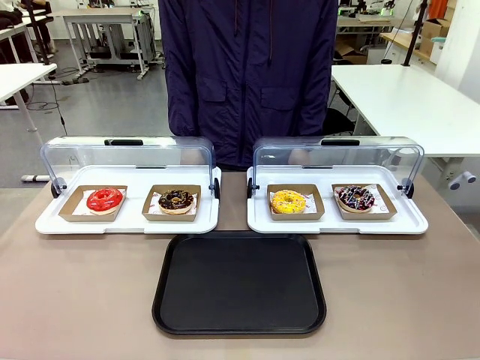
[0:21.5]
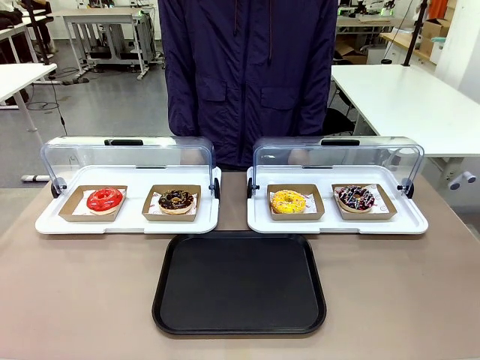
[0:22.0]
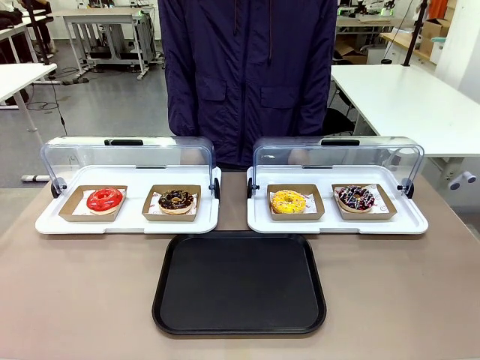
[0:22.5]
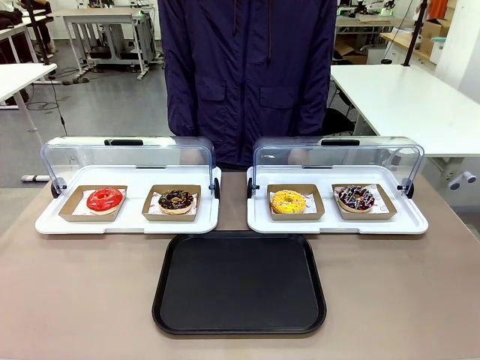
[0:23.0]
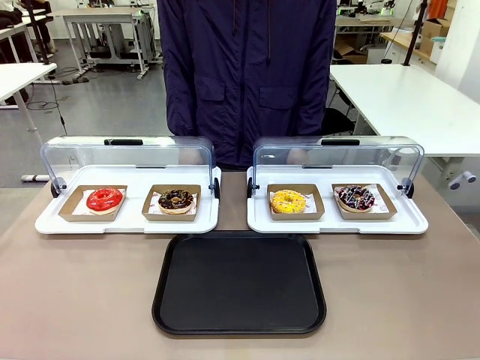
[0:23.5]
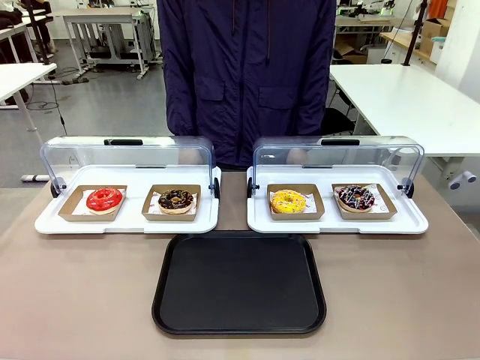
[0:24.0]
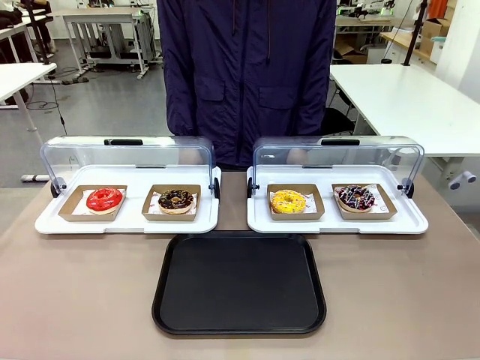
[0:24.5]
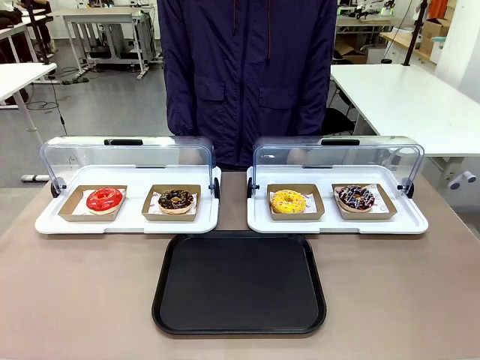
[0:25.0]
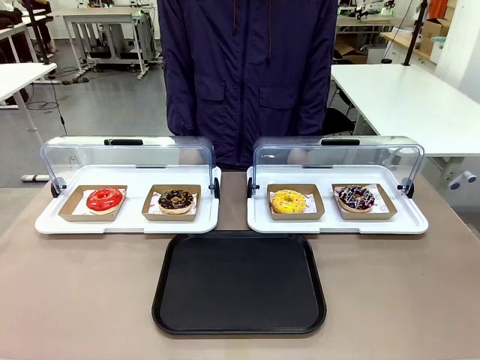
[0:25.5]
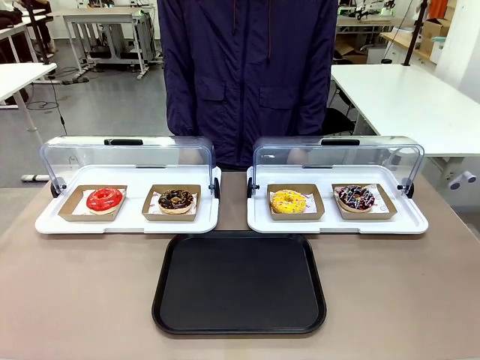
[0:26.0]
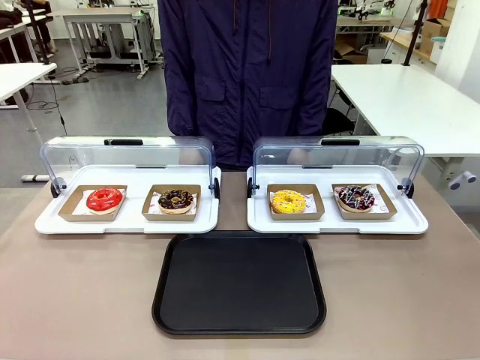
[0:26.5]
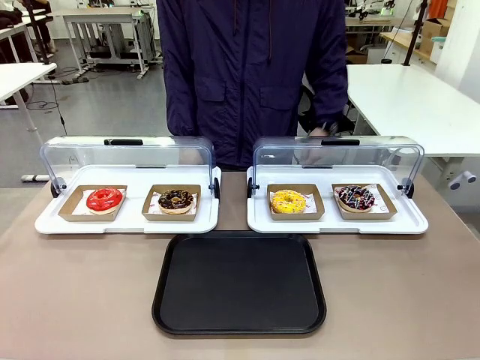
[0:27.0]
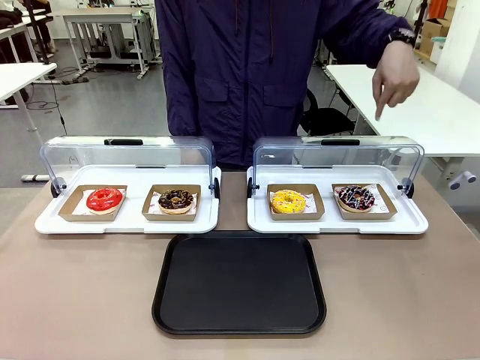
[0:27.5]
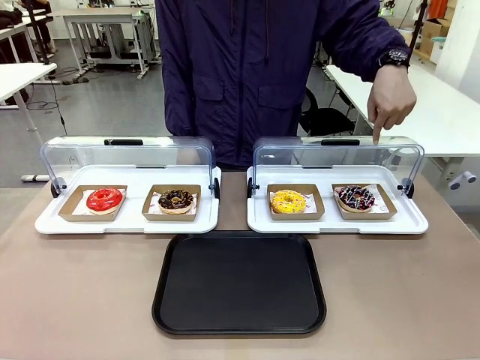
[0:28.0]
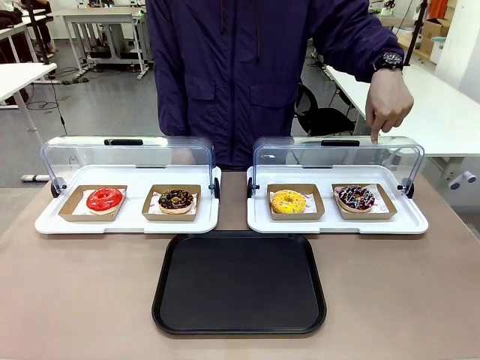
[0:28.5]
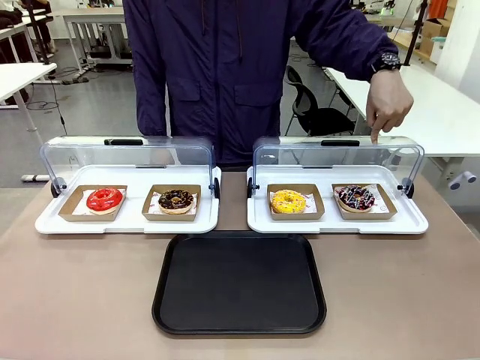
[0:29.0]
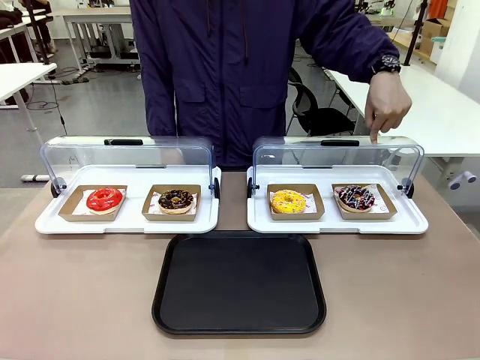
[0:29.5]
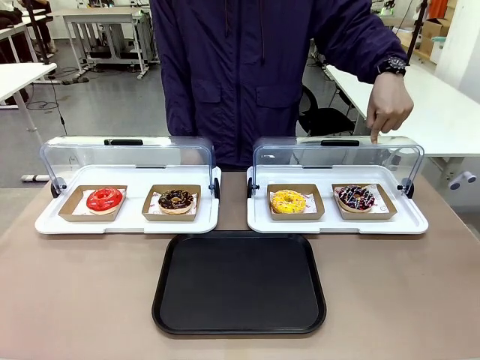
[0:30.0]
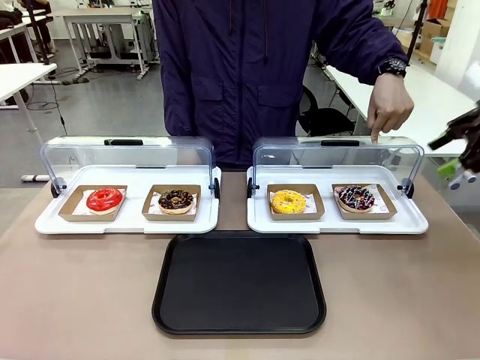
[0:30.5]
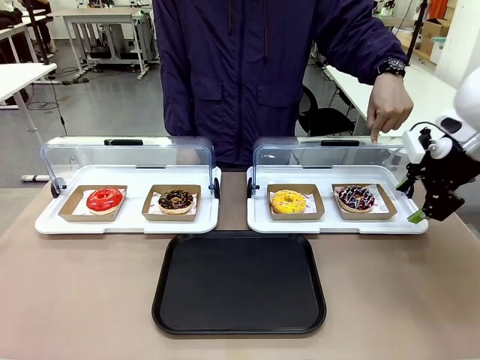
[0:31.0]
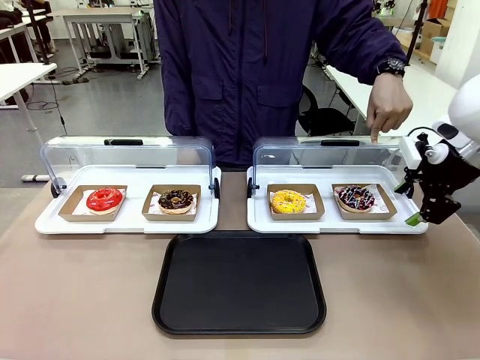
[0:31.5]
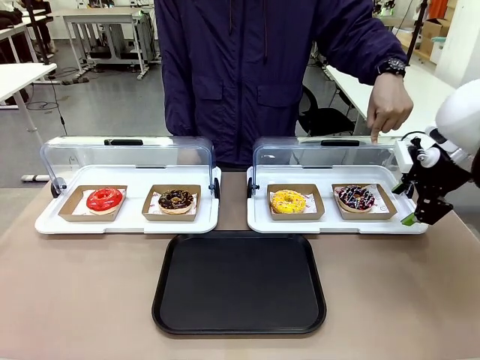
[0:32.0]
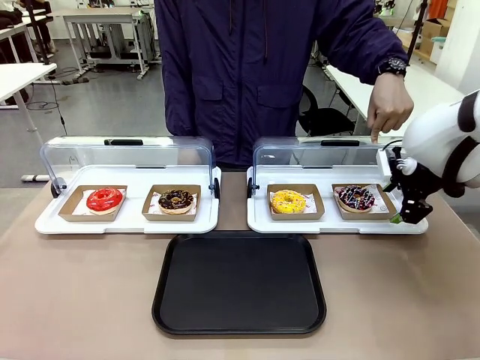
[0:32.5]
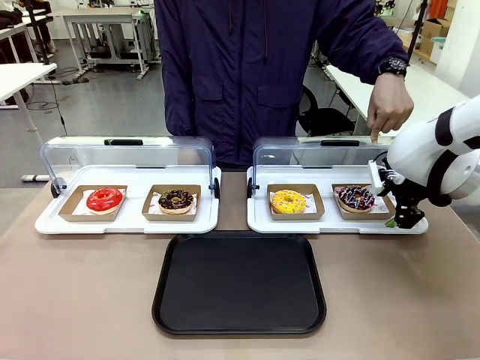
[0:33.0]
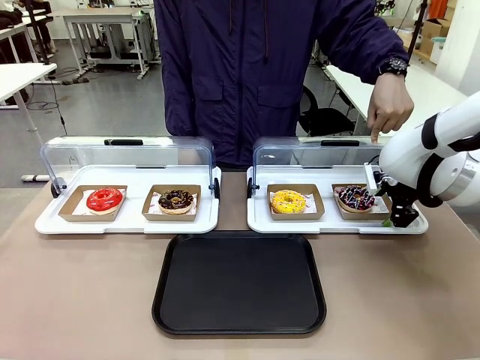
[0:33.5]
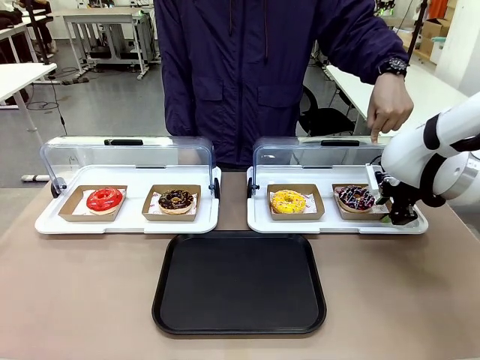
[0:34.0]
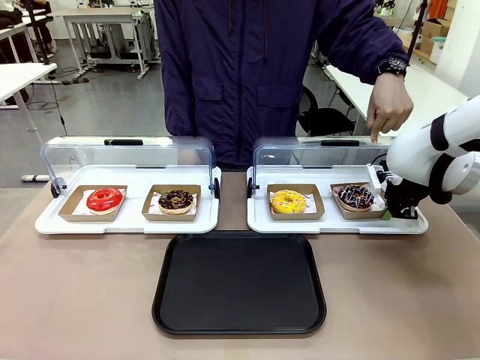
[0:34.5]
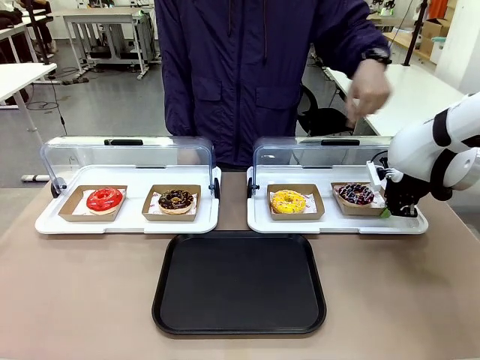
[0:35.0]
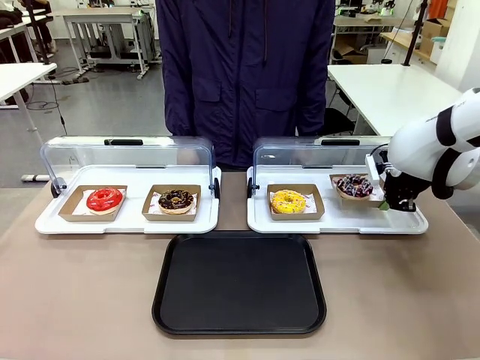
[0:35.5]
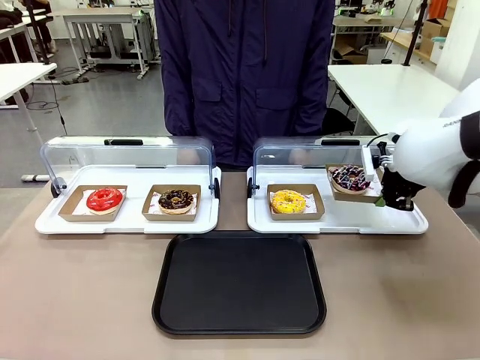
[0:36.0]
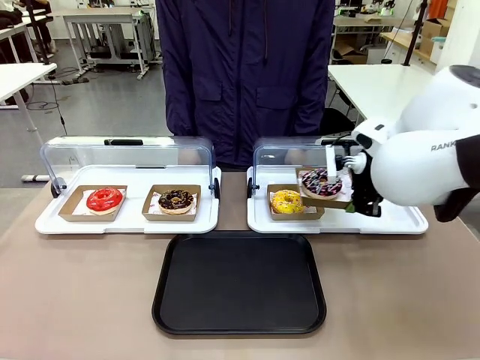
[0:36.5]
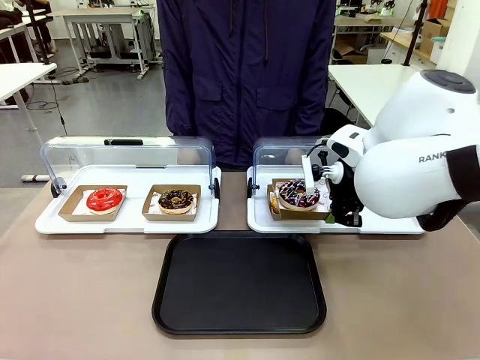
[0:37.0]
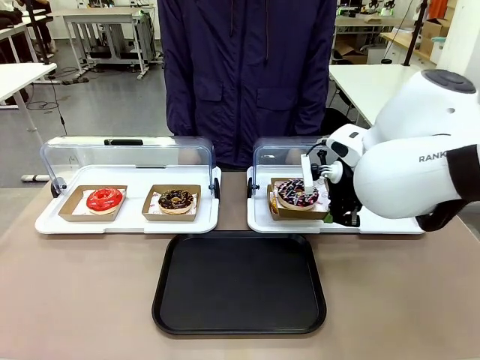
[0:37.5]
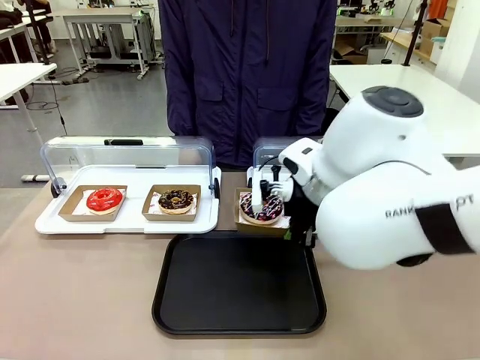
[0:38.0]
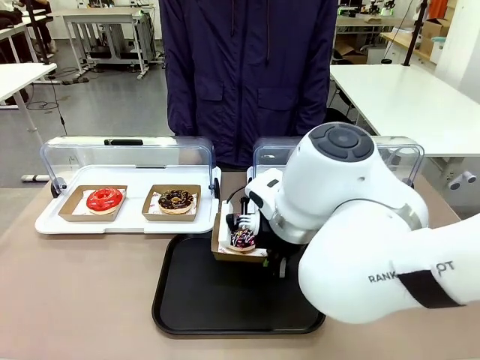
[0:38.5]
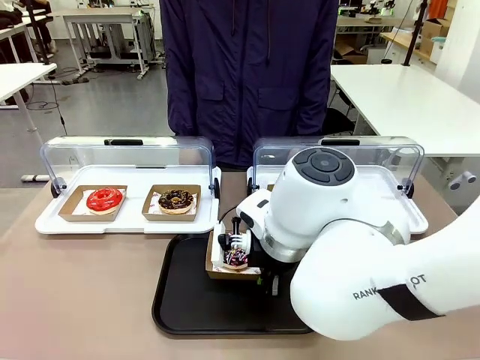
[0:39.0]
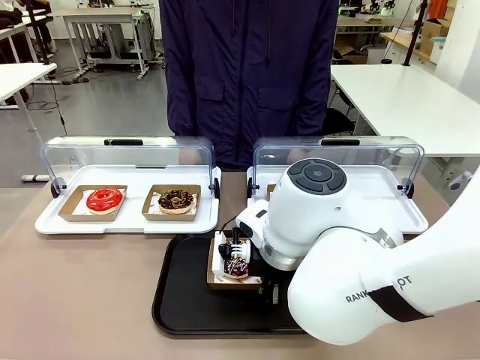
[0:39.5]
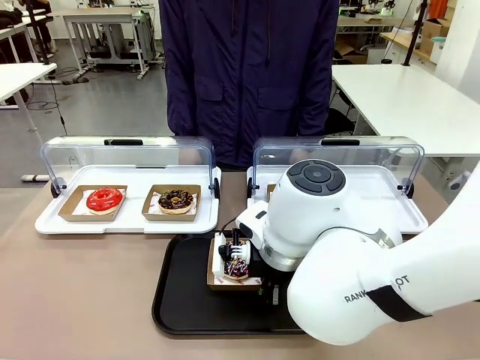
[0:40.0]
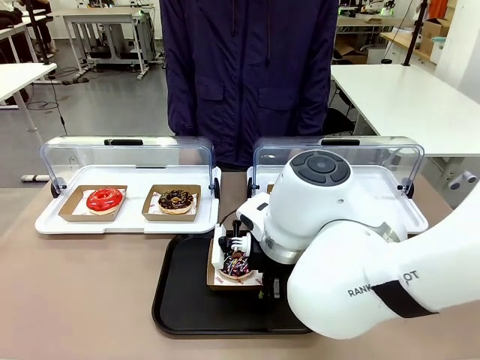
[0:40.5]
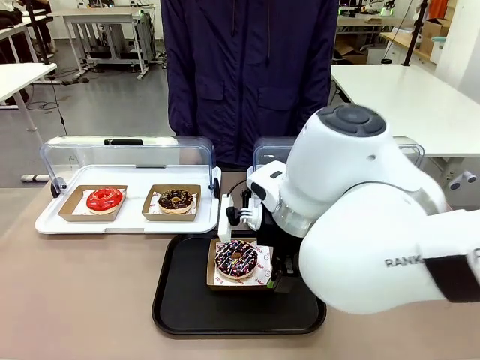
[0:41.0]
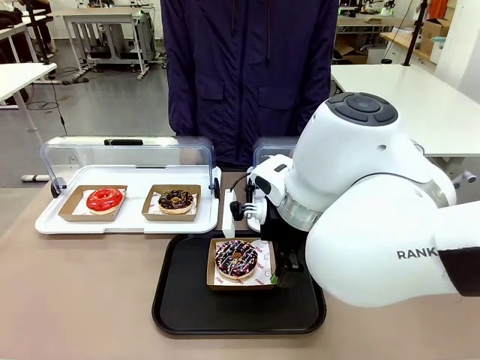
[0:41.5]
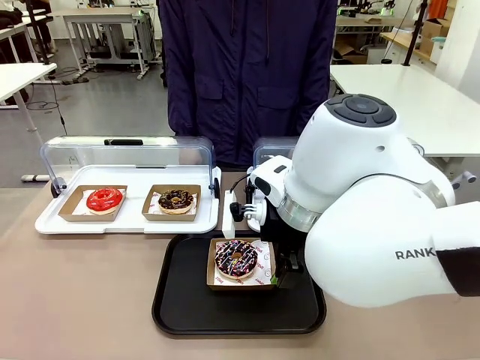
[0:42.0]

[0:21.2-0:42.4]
Task: Move the fourth donut from the left to the tray.
Robot: Pick up the Paper togo box containing the Donut indicated by the person and place it on the Handle tray.

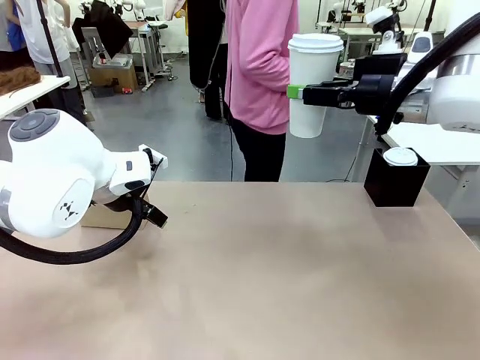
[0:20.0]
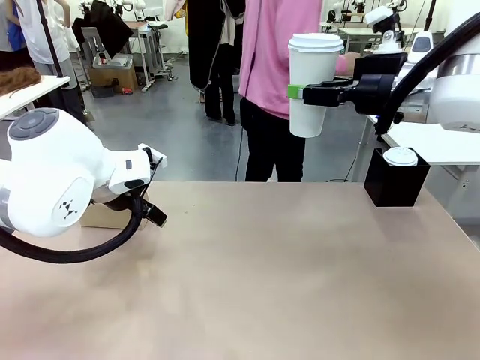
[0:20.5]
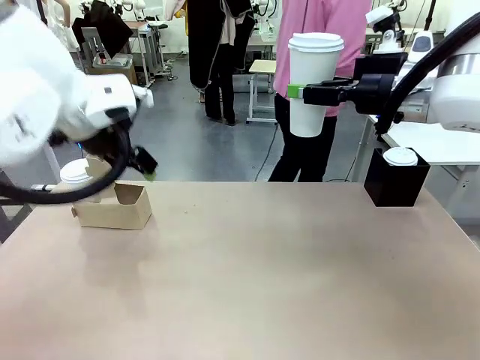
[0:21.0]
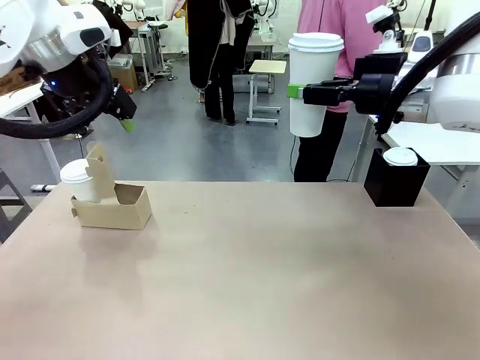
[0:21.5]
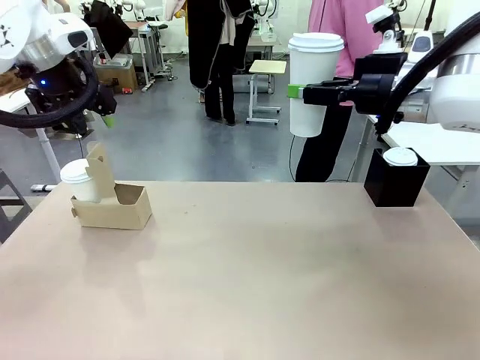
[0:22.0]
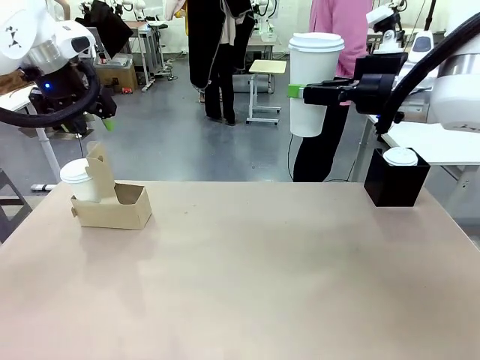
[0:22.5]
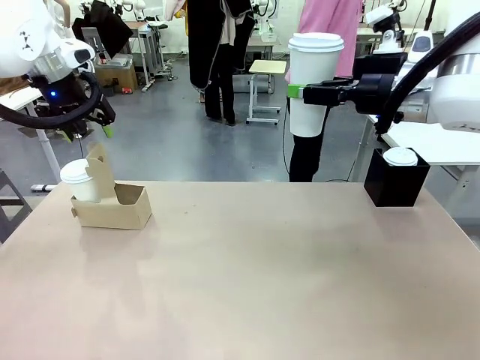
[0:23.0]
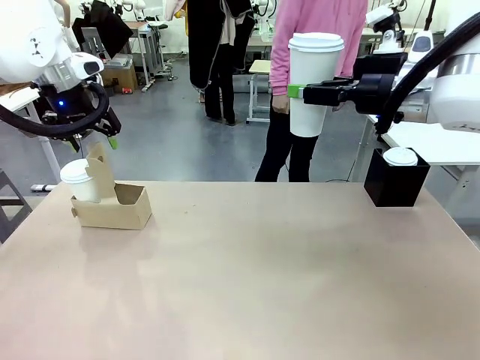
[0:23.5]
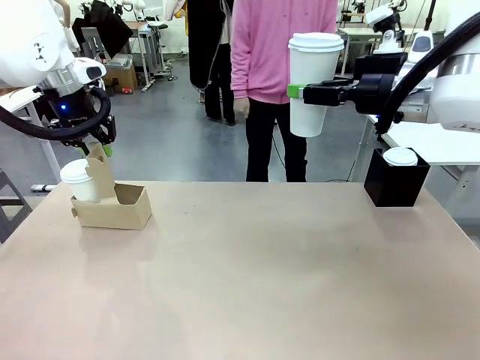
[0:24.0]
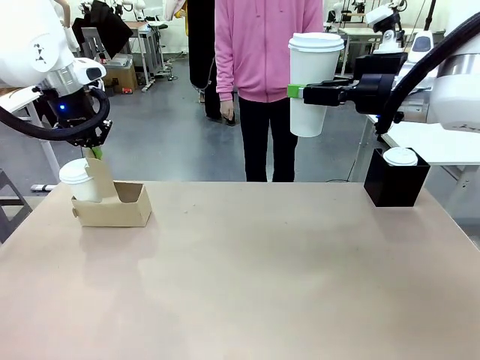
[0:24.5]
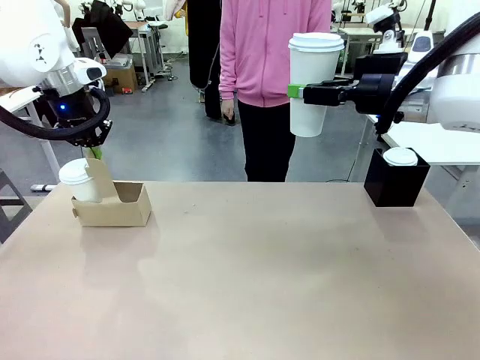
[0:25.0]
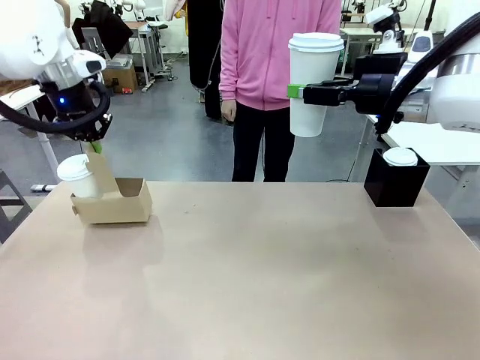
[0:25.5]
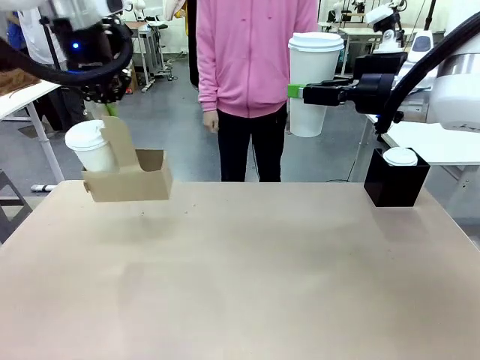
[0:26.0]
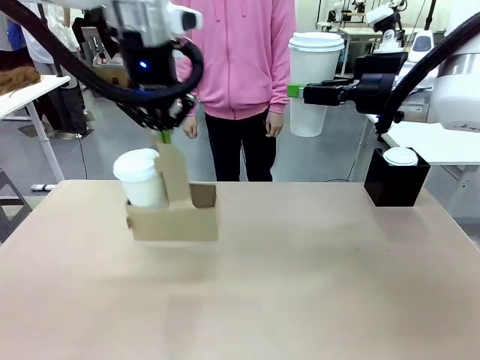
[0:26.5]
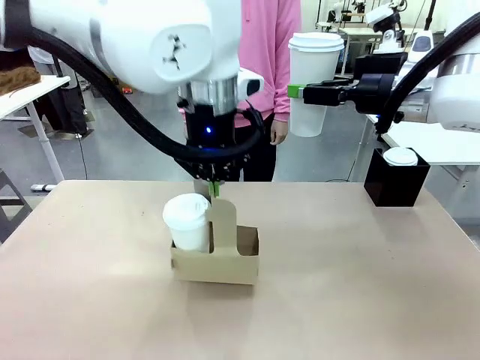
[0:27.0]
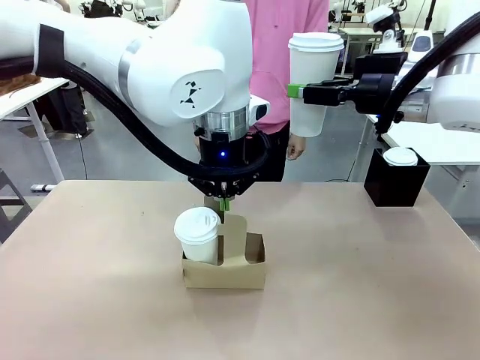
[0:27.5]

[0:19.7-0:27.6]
Task: Pour a drink into a cup and package it in a carrier.
Robot: Position the Cup Carrier in the center of the table.
Person: Pick up the Filter Brewing and place on the middle of Human table, and return to the Robot table.
